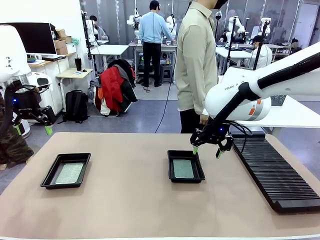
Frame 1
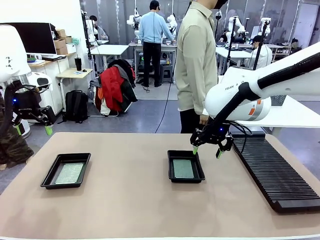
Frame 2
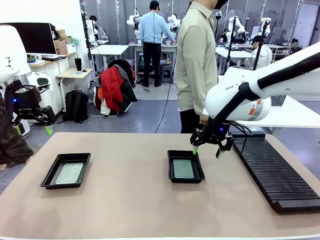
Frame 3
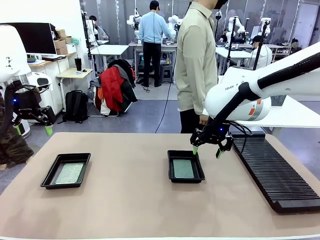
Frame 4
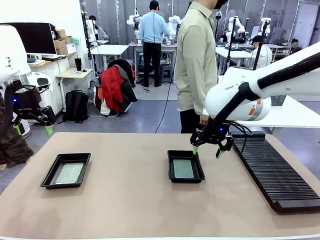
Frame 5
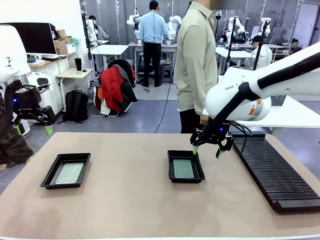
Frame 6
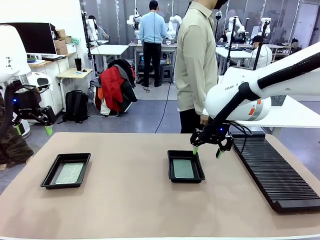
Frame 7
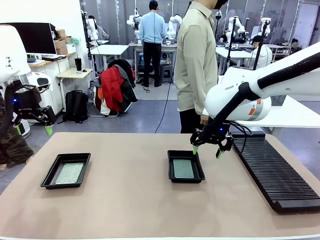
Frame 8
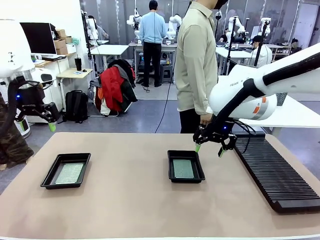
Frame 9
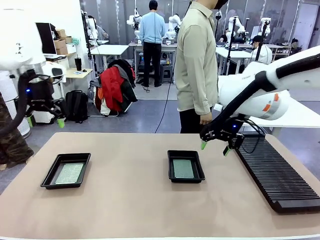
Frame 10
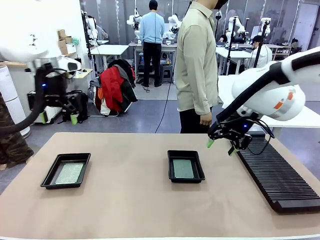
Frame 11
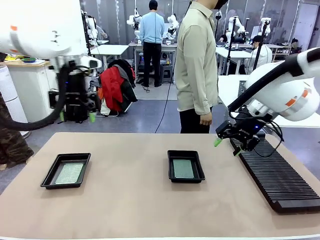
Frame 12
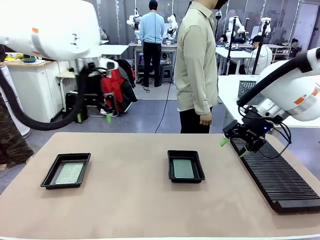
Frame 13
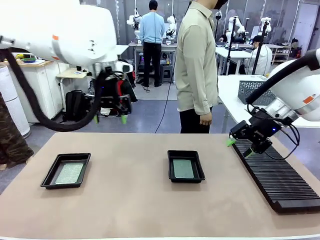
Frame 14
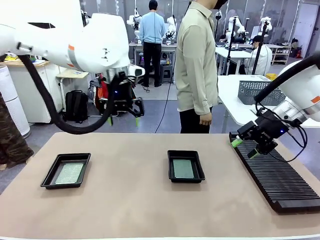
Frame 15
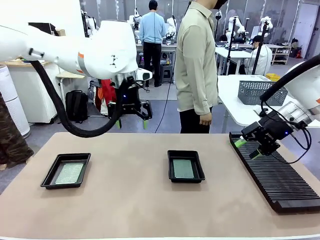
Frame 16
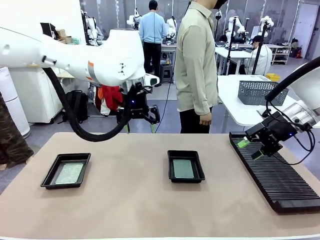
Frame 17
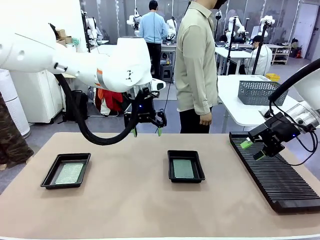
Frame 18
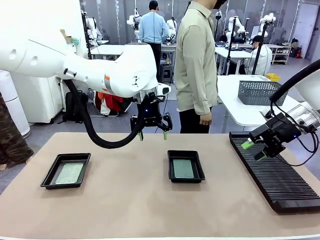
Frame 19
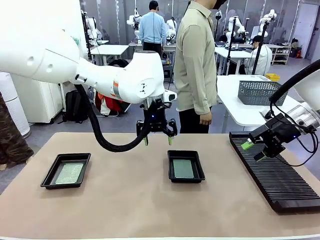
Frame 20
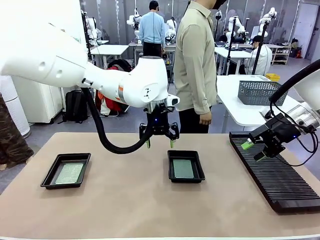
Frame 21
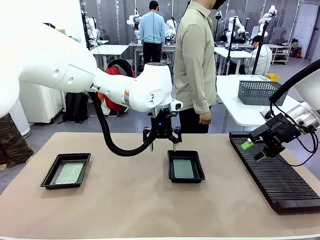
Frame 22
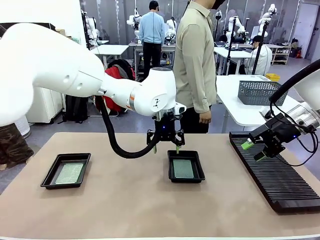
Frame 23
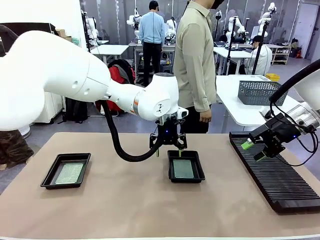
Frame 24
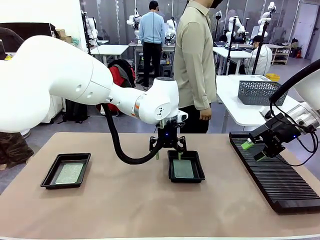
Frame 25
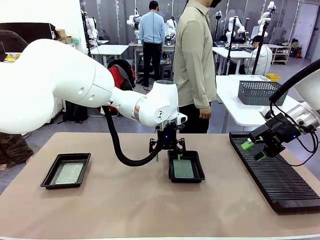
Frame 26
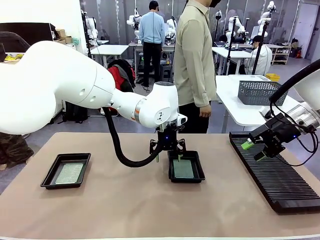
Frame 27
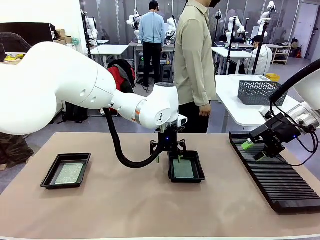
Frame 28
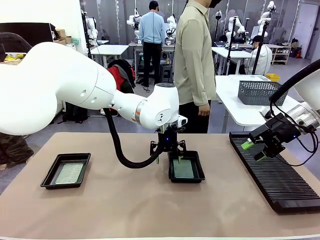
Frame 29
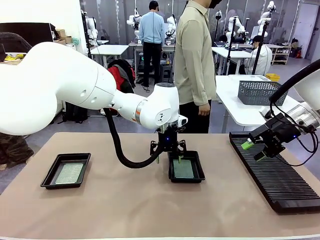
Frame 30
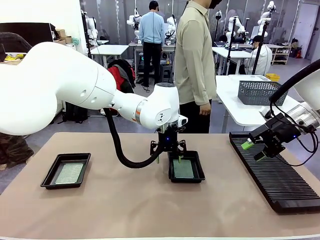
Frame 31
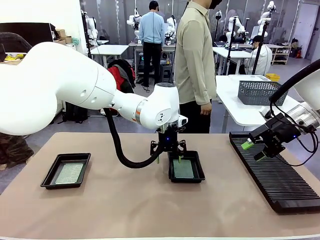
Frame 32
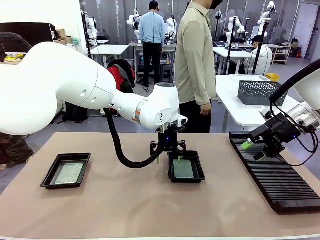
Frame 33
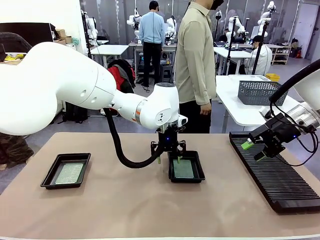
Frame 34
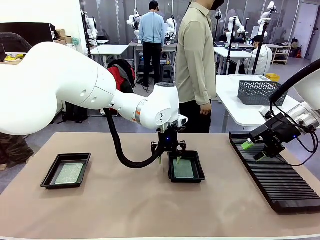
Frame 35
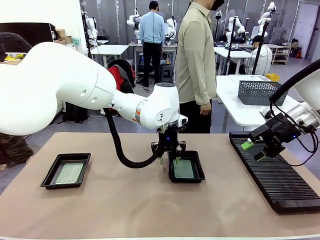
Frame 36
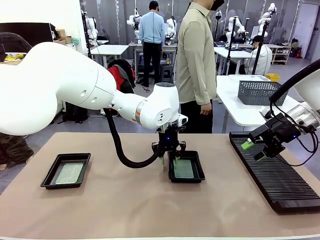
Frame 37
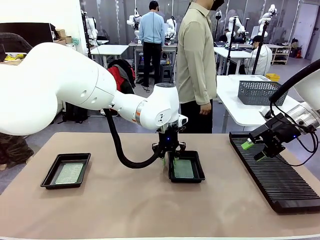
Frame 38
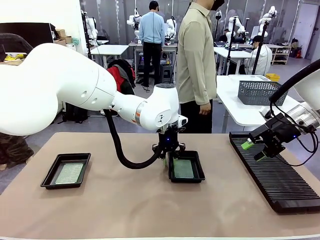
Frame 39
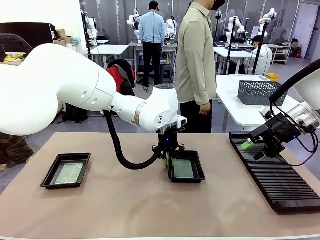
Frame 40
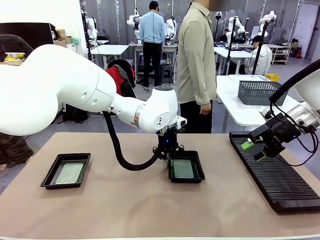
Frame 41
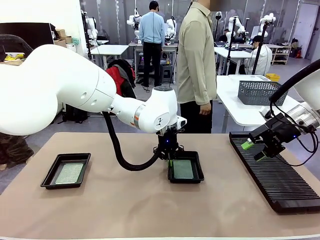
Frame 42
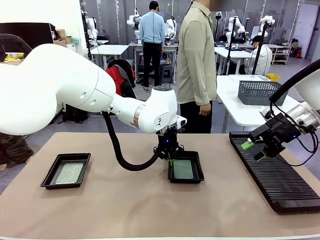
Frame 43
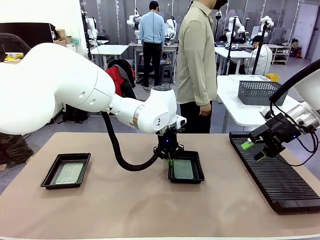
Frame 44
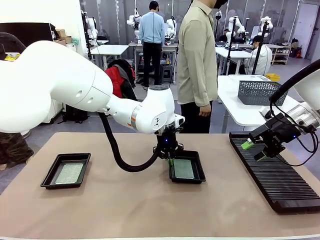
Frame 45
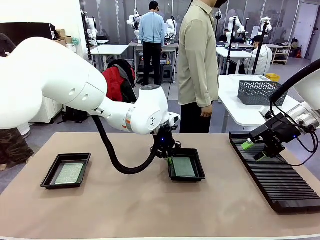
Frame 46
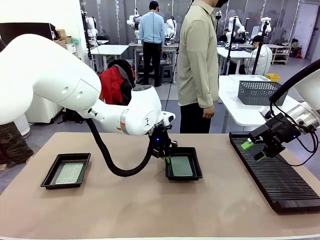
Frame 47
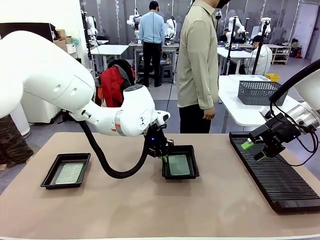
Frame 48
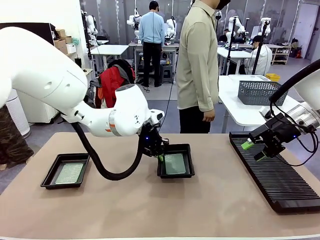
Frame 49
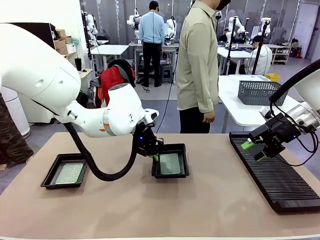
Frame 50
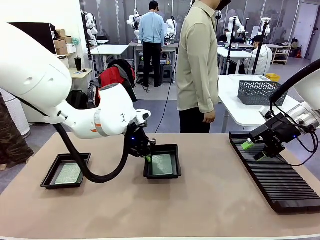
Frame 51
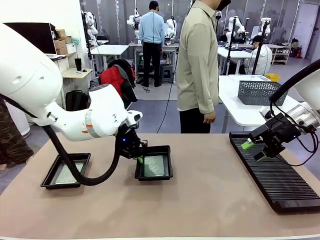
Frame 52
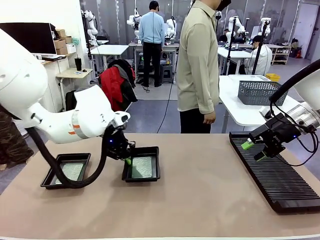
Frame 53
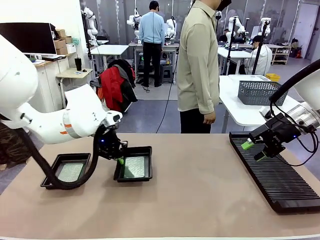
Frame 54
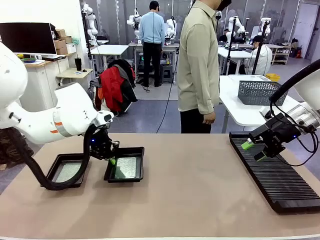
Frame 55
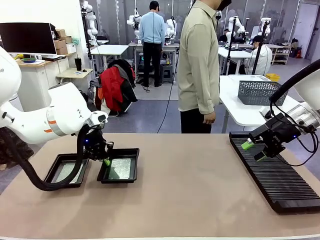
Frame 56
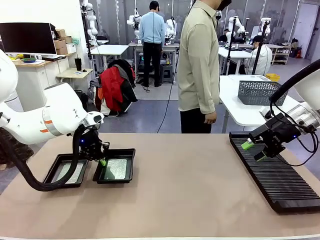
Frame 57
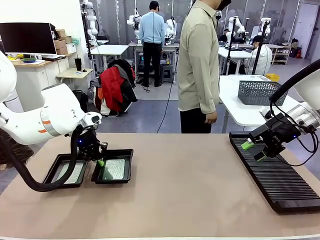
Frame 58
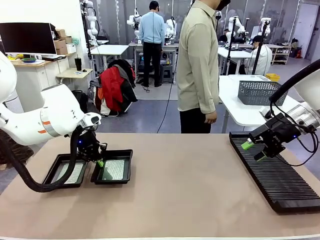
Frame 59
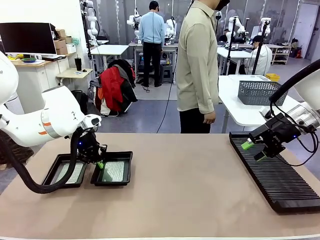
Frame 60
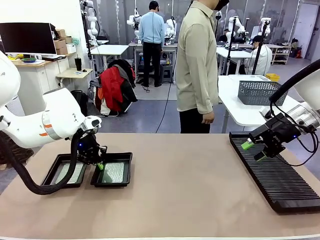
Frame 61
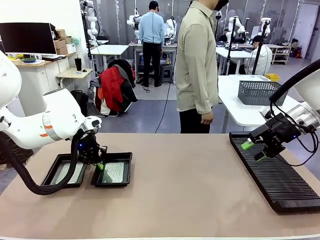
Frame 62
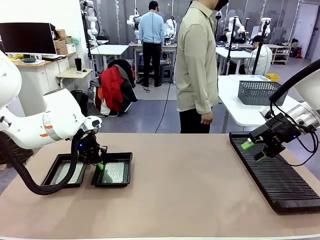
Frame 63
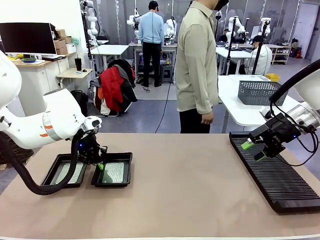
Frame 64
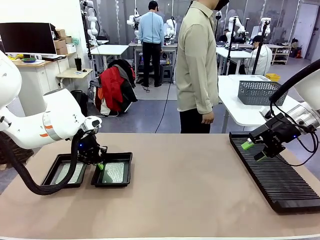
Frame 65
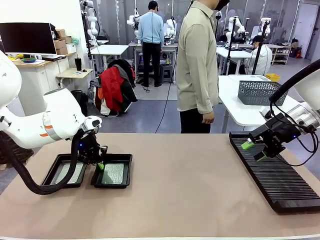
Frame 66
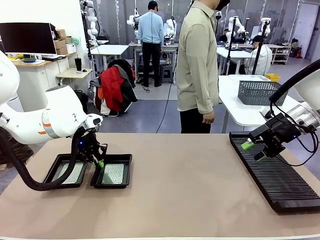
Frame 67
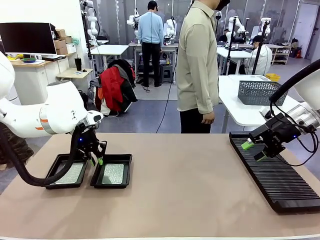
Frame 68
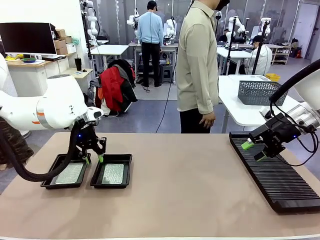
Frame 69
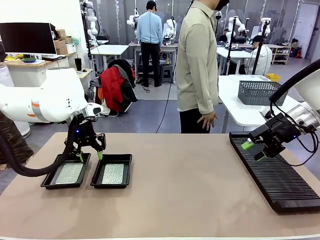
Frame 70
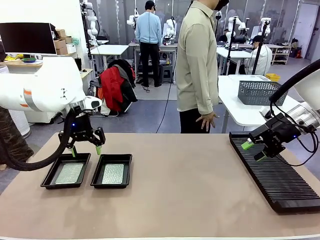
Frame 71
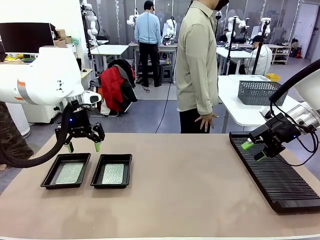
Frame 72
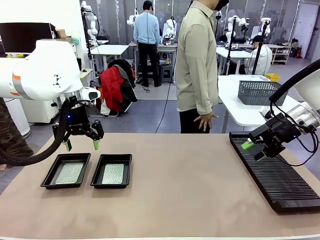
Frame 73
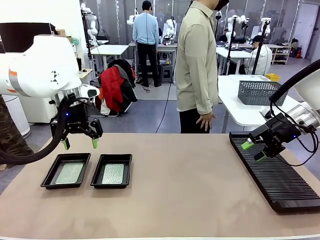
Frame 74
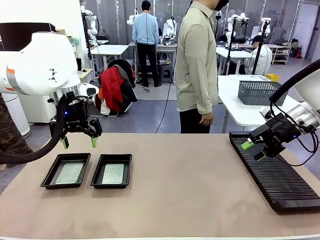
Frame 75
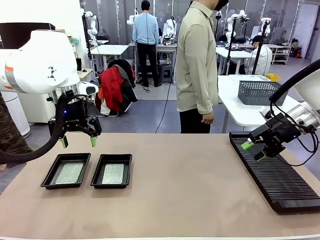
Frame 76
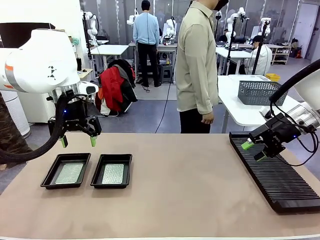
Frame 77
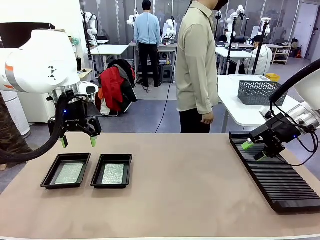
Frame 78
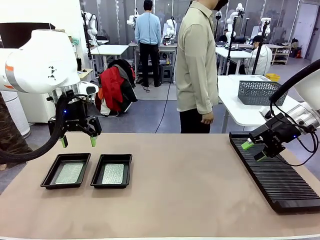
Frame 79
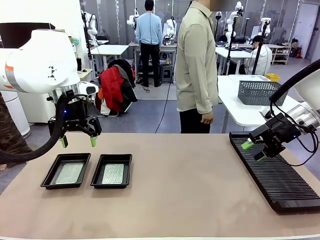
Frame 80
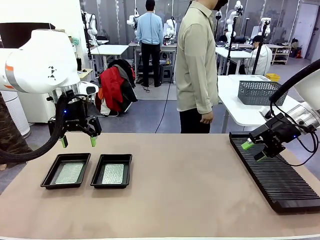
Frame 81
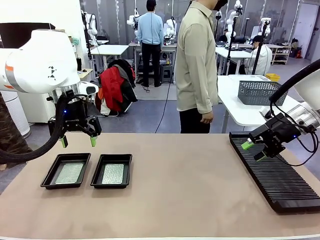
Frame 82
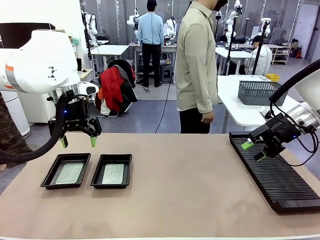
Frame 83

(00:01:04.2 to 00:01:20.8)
Task: Inspect and transfer BCBs to ESD trays.
Robot: Pick up the ESD tray and place it on the left side of the table.
